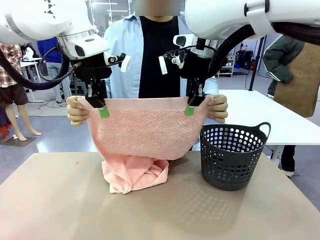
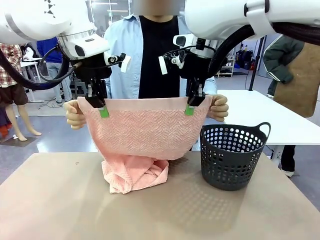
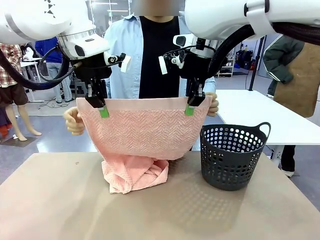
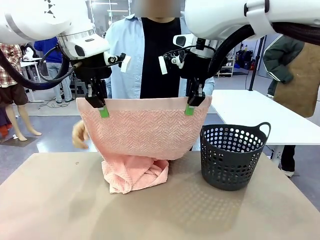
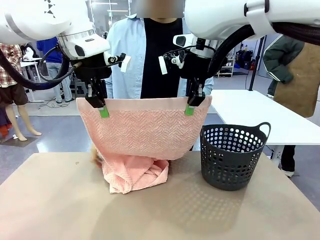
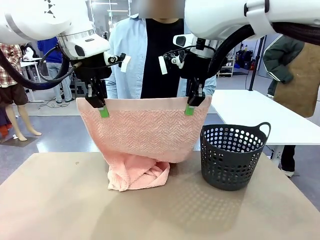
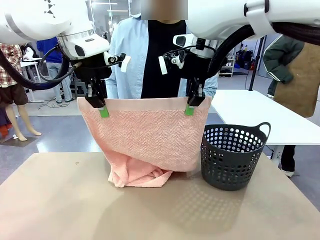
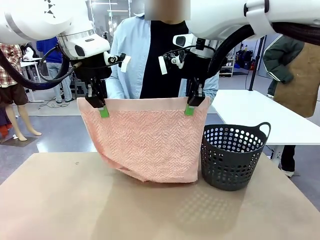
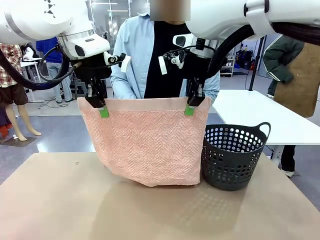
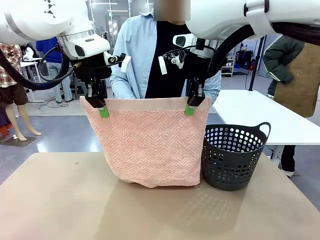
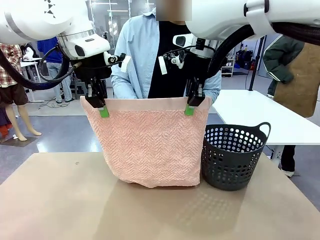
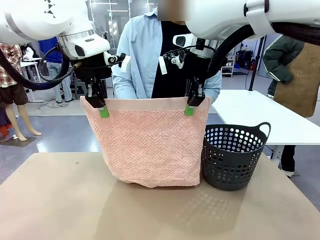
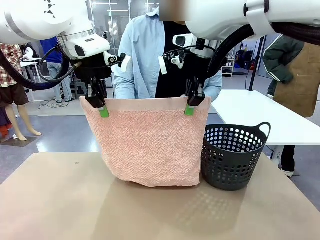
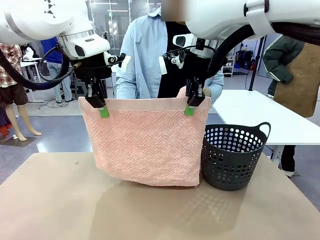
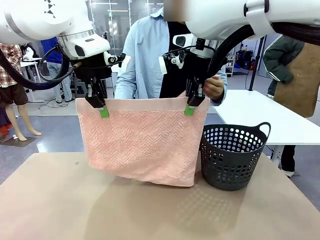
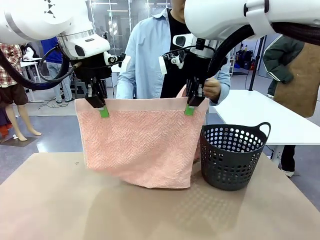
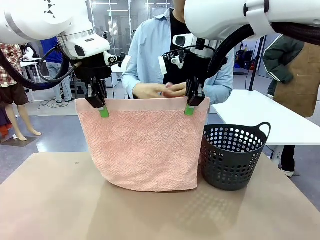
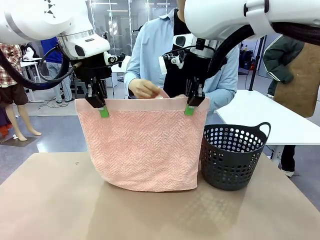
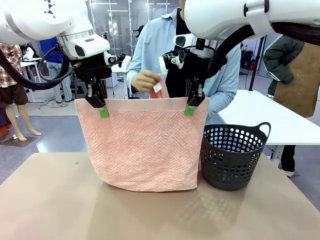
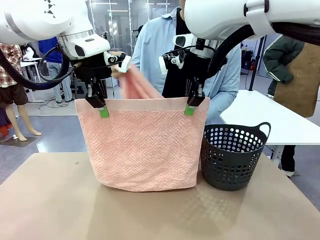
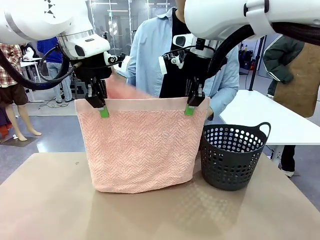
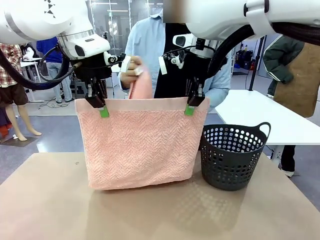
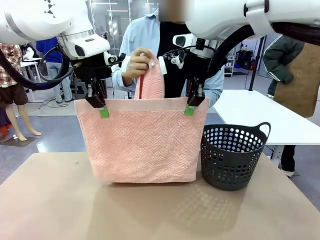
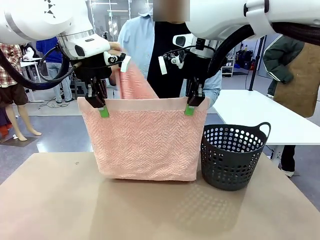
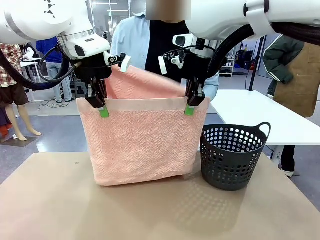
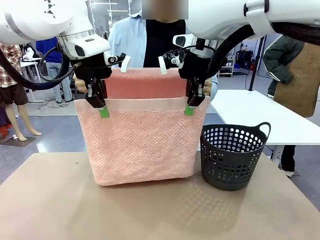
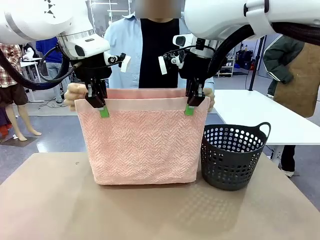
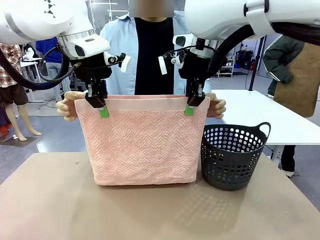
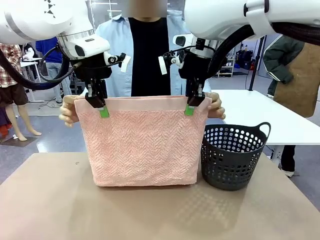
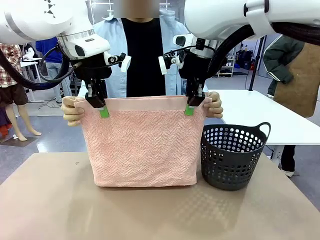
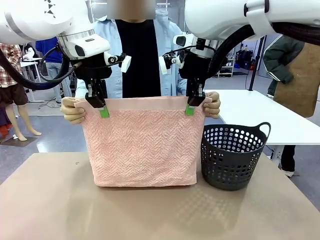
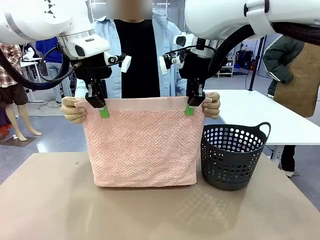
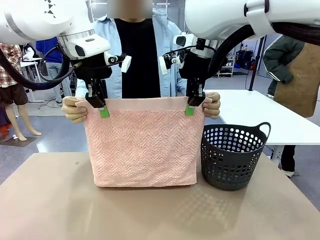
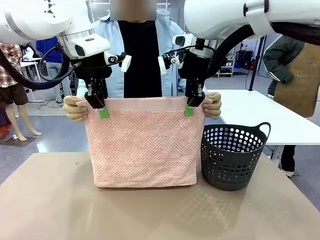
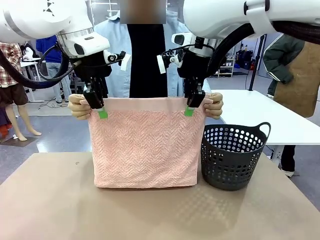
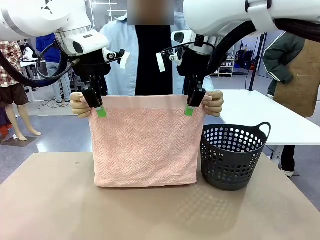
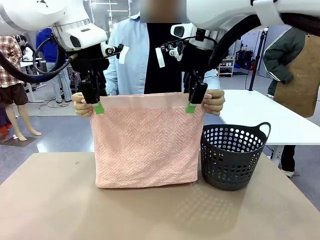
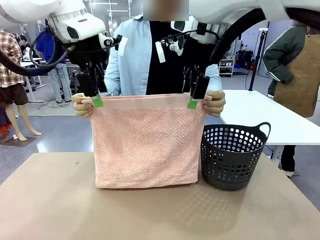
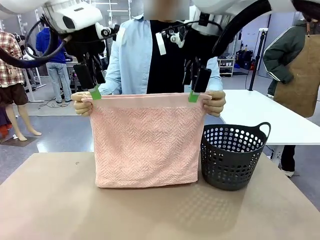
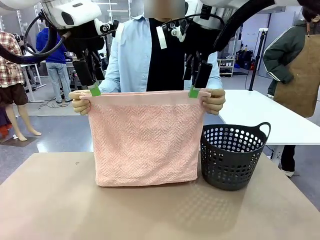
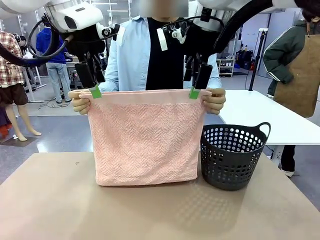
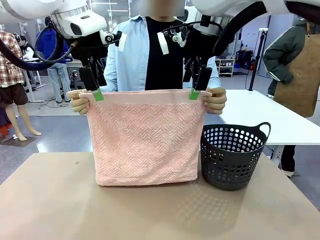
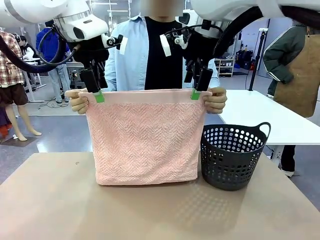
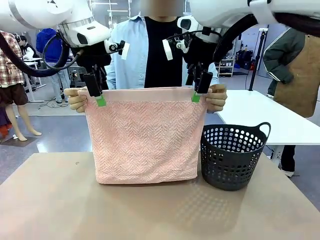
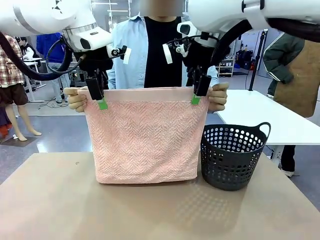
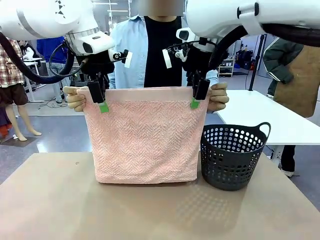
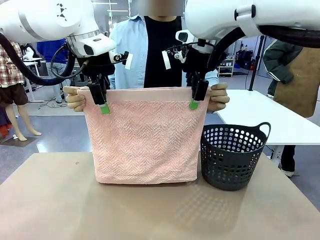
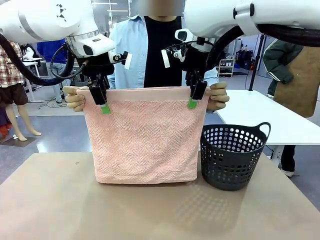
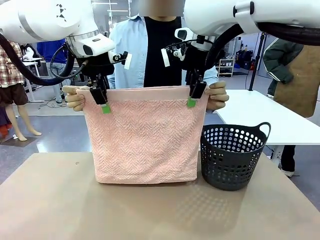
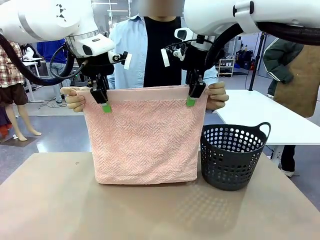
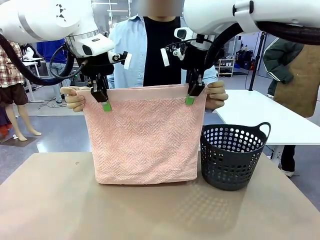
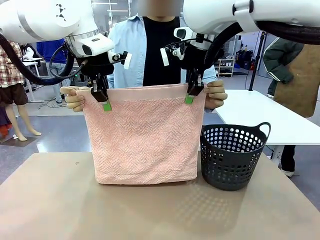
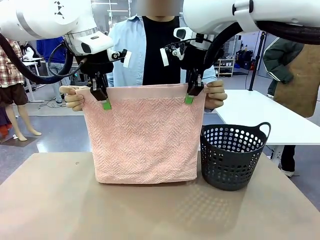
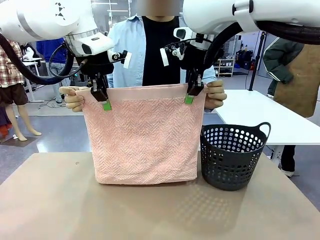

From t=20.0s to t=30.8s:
Task: Fold the towel.
Robot: Release the end of the 100 cm Hotel Towel you were holding and grab the top end of the folded side.

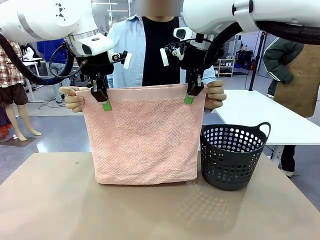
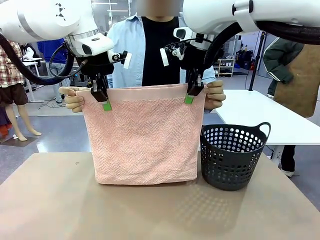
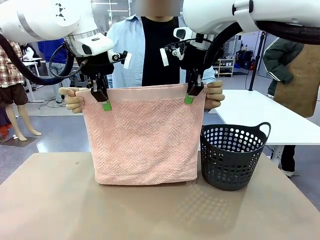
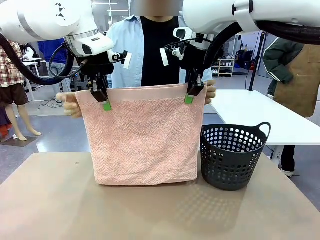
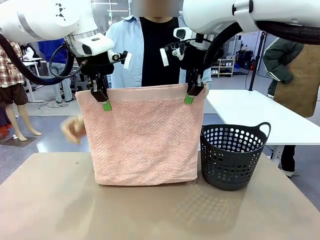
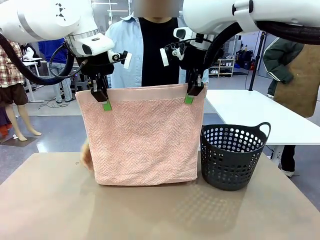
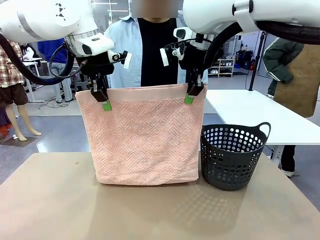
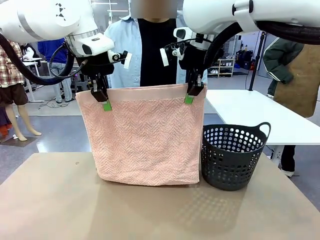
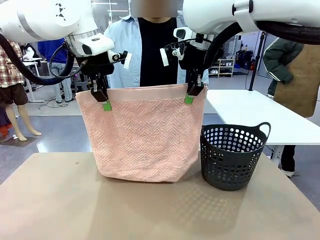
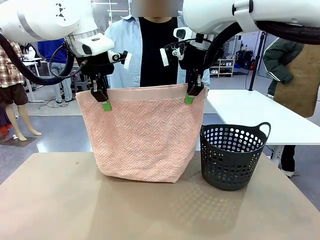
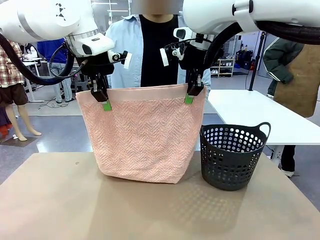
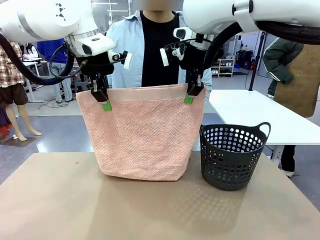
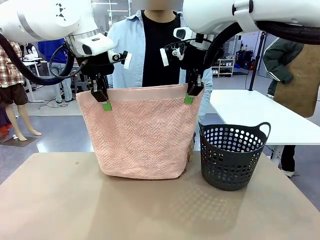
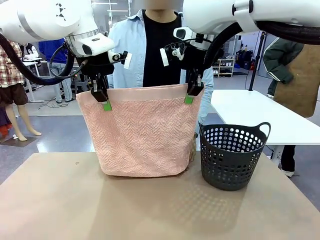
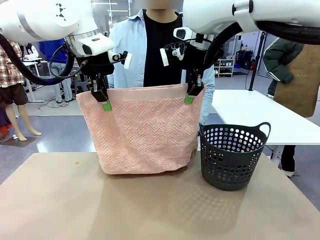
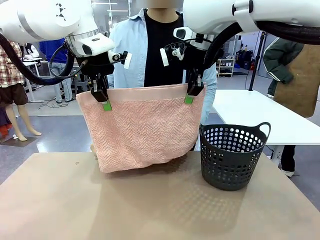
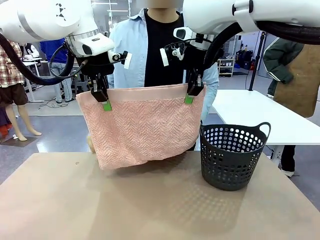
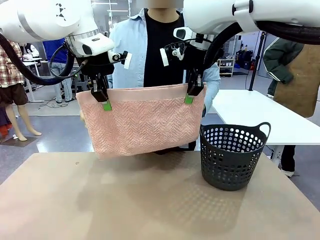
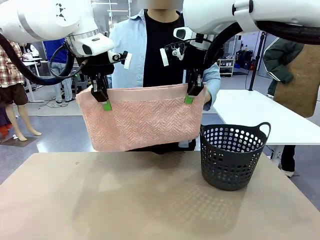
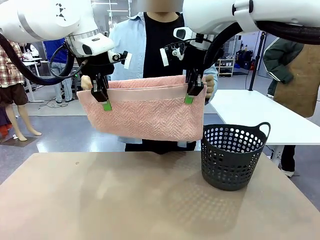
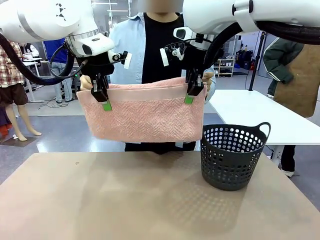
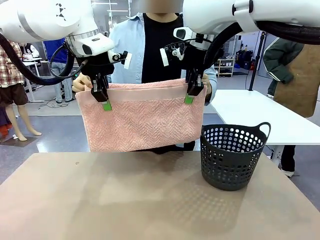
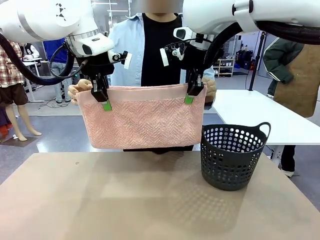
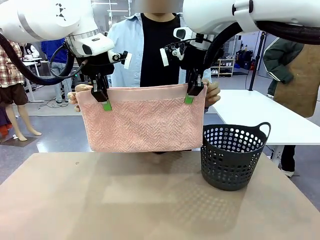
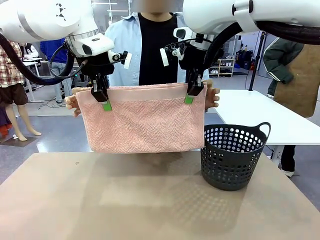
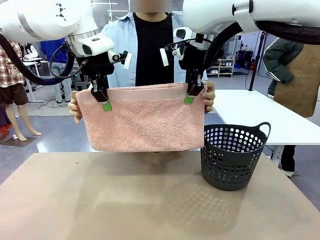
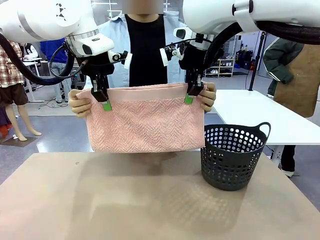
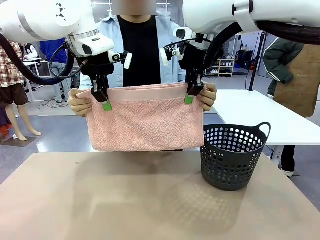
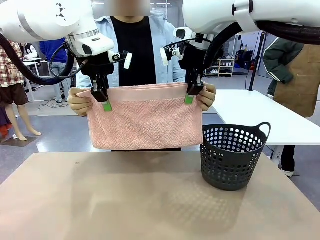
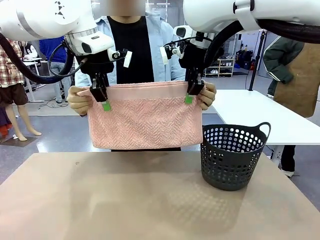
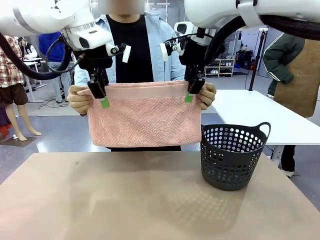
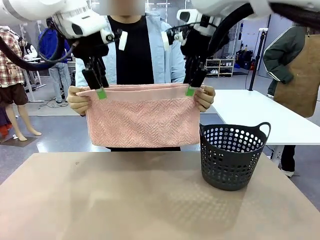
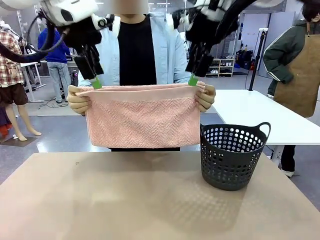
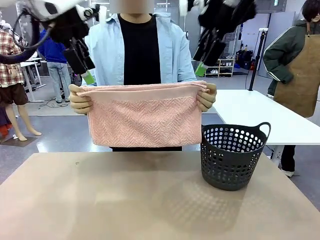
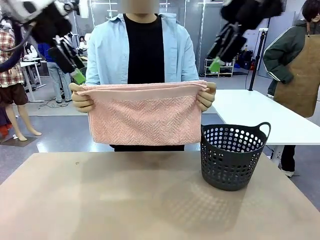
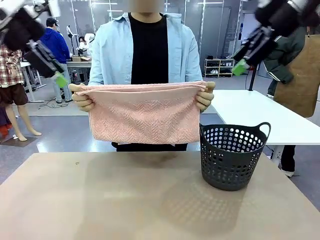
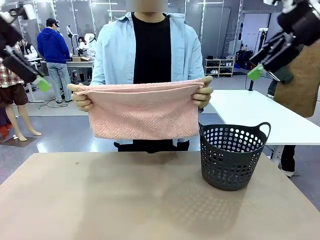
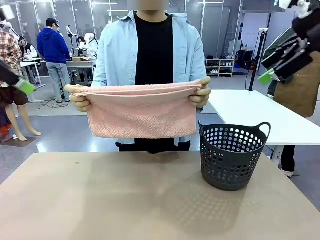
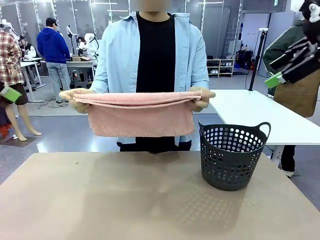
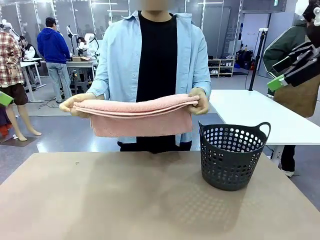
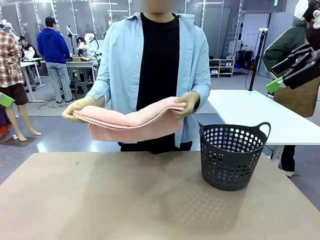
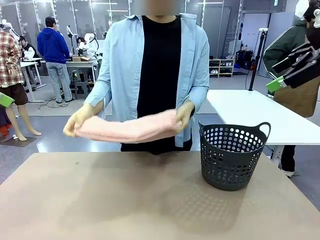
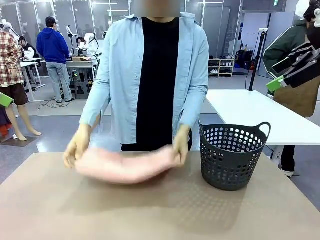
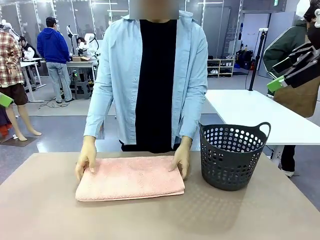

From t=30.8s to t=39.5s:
Robot: Release the end of the 100 cm Hotel Towel you were holding.
